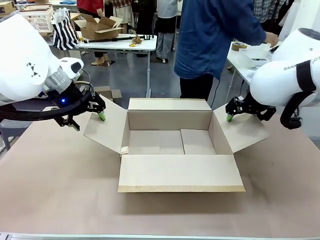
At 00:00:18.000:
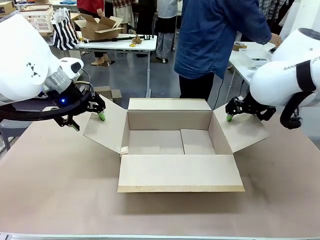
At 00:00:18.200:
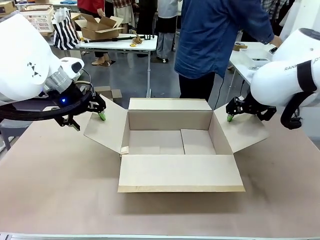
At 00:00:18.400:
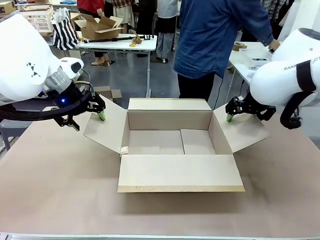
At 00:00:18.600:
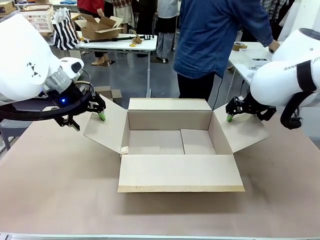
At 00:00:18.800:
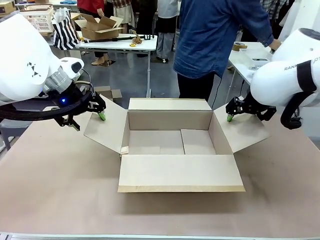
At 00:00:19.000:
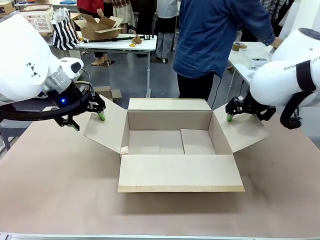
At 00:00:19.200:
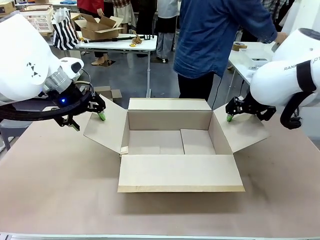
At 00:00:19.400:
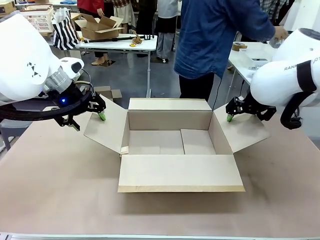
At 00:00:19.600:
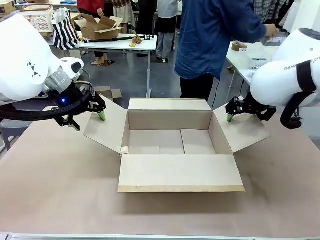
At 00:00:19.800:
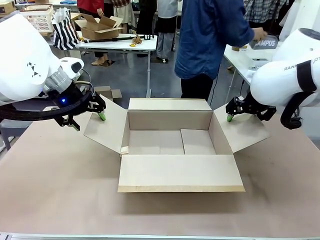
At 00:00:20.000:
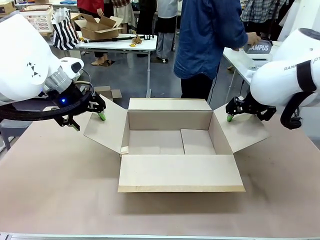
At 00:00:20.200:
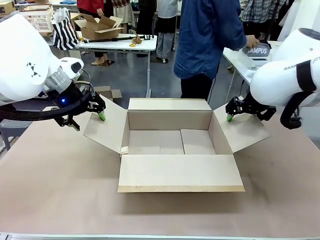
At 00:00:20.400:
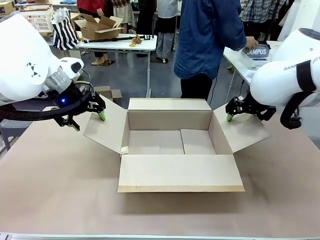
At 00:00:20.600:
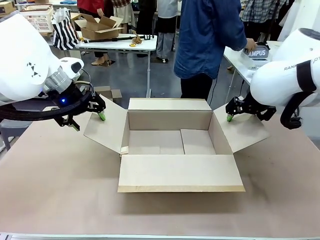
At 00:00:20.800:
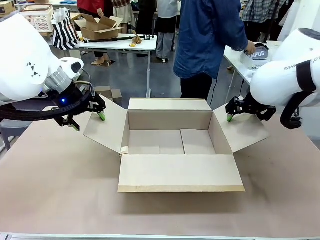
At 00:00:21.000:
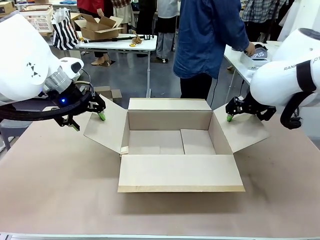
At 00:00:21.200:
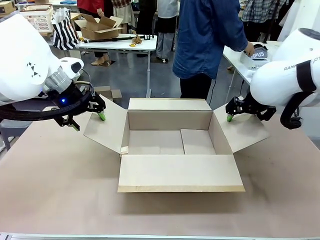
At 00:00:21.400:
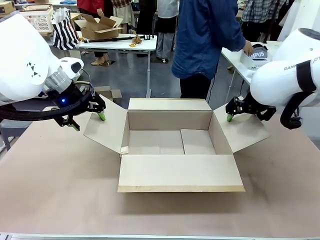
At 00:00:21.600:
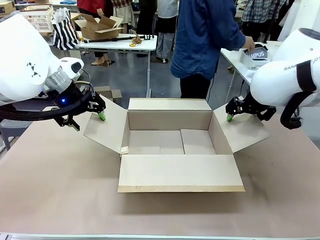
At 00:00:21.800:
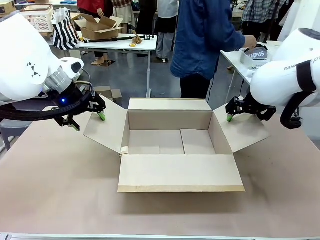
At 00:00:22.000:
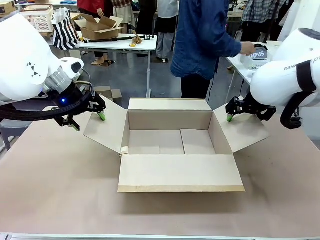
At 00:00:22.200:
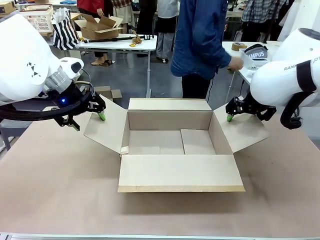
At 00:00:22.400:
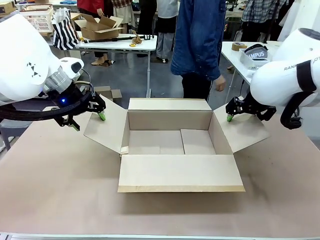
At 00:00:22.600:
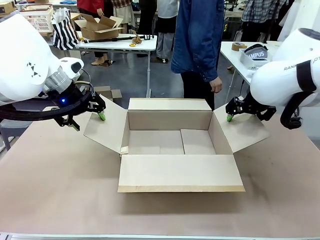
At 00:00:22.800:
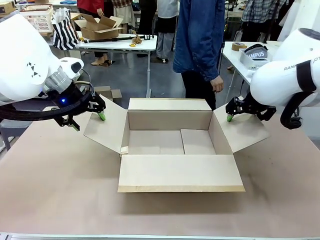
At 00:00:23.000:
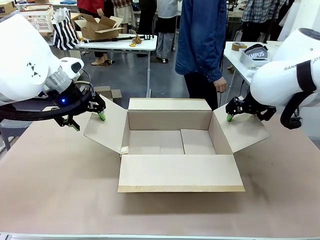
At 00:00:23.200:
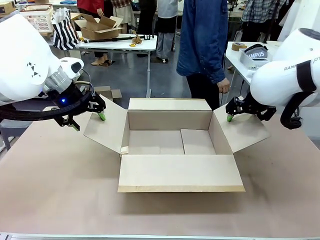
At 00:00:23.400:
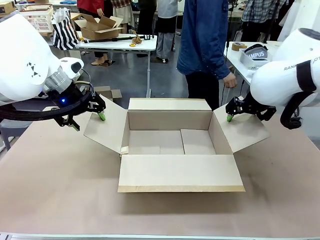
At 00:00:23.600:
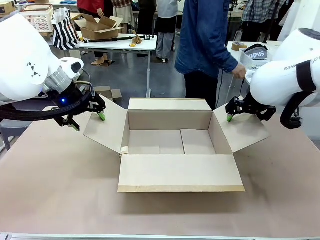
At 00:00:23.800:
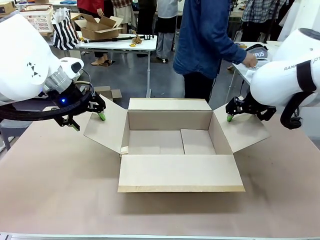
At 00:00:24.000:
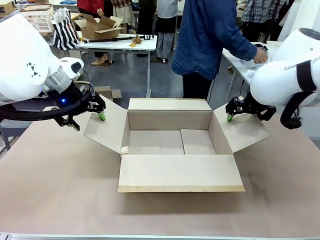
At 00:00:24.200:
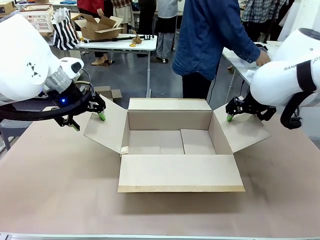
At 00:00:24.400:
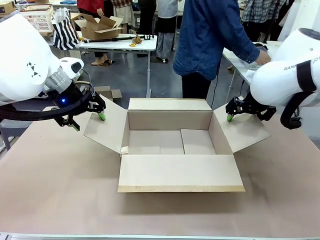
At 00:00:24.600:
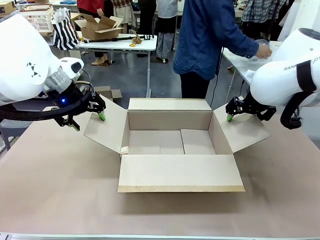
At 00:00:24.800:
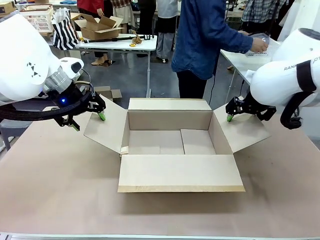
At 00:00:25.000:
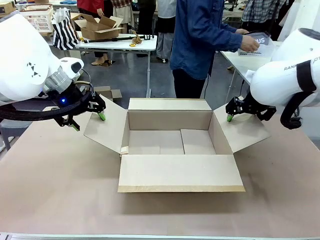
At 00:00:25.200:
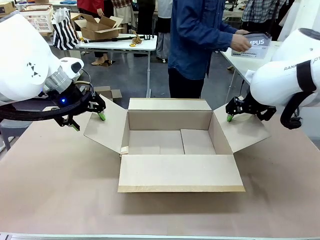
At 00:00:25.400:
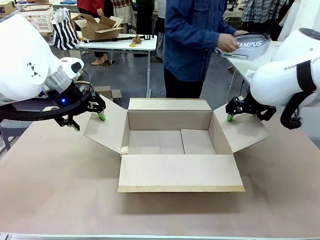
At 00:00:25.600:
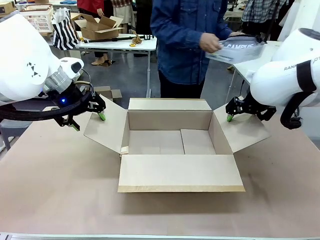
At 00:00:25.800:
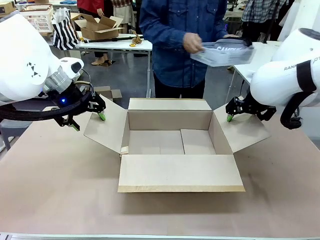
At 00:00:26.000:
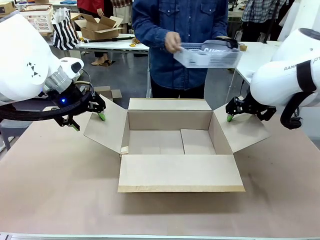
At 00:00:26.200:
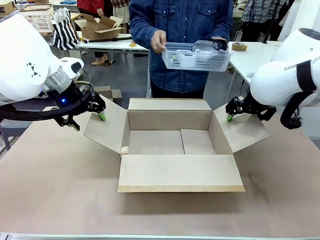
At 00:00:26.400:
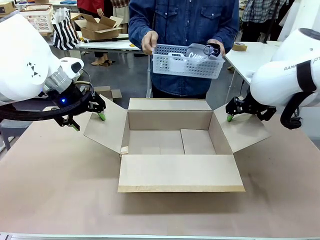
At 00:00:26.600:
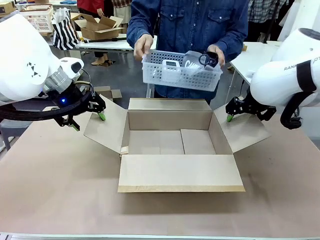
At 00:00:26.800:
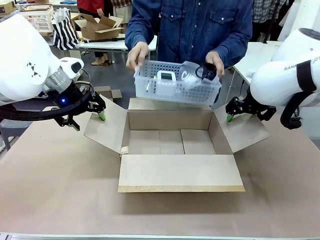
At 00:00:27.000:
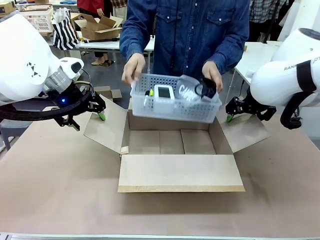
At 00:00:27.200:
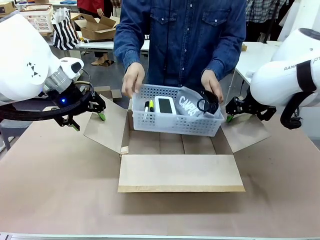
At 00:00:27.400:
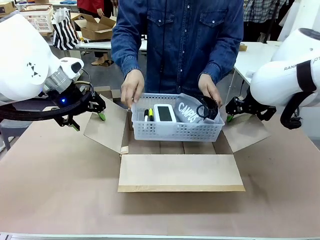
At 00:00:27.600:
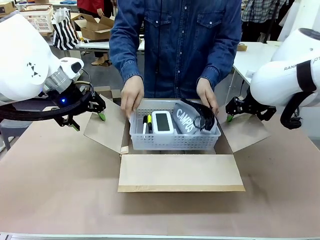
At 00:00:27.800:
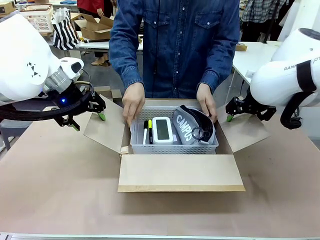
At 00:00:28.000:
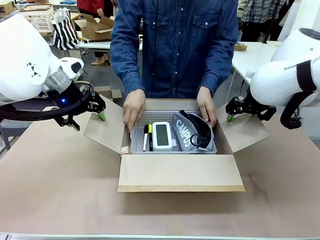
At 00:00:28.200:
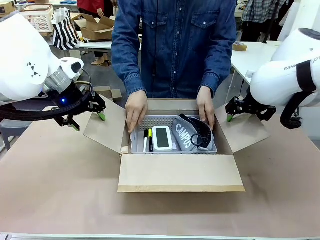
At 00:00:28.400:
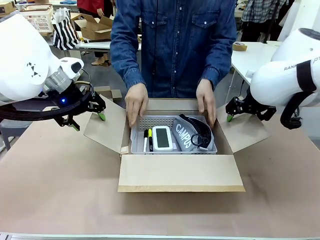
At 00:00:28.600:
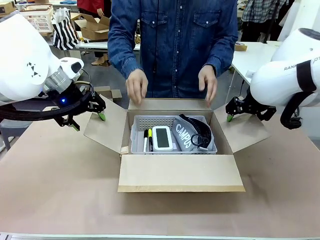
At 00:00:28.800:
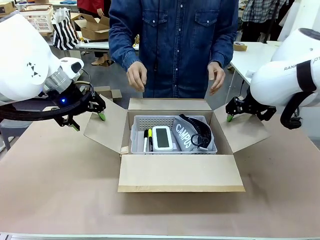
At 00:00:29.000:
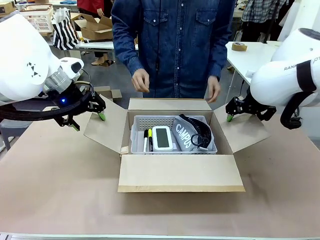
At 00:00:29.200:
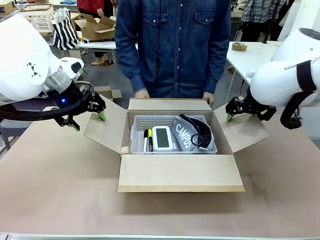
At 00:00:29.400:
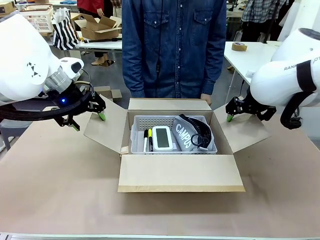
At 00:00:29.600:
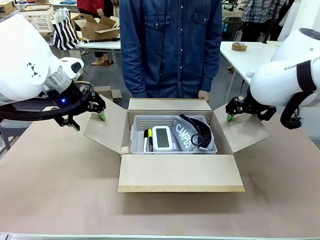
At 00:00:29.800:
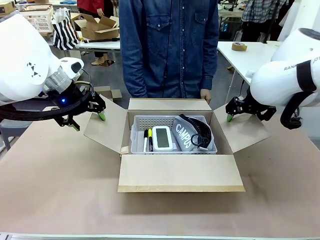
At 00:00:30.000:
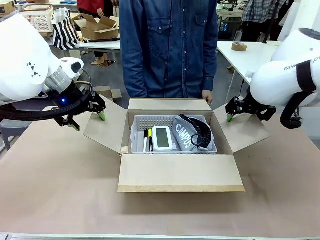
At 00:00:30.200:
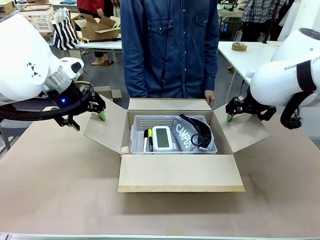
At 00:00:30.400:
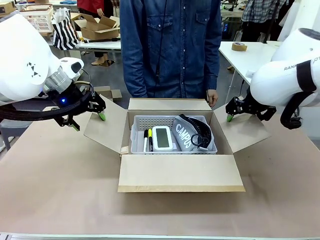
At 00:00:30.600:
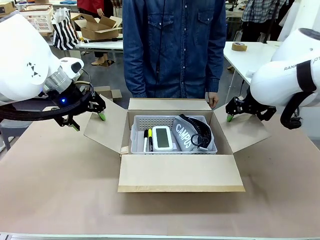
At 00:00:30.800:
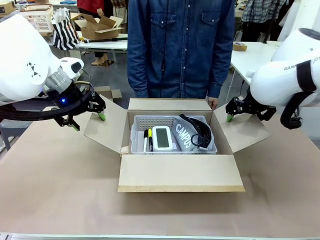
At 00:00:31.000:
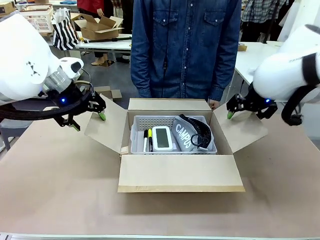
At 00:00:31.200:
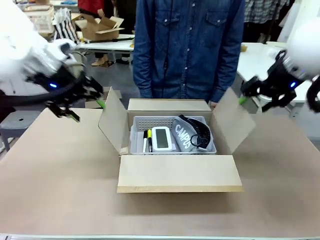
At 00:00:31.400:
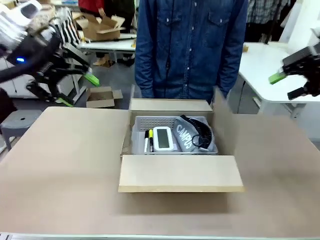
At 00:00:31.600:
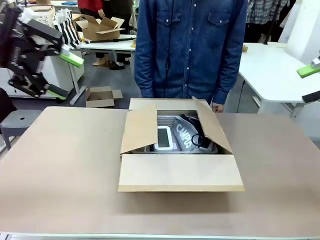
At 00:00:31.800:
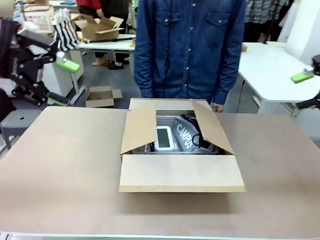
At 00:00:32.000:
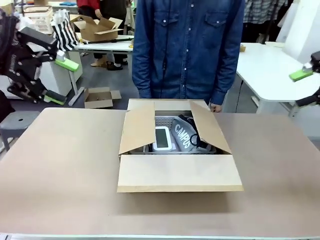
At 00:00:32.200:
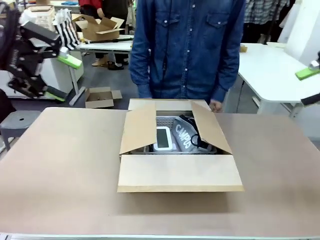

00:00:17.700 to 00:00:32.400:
Task: Pack the gift set into the box.
Robot: Lift both hands away from the flaps of the Package Box.
Person: The human picks up the organizing basket and places the organizing basket into the package box on the robot table.
